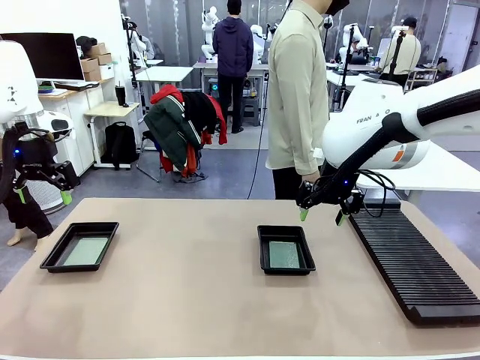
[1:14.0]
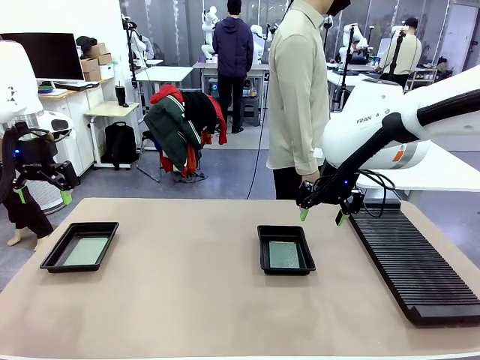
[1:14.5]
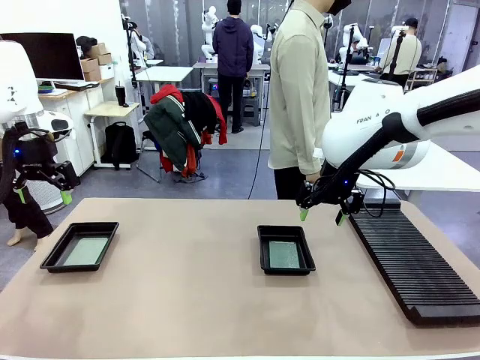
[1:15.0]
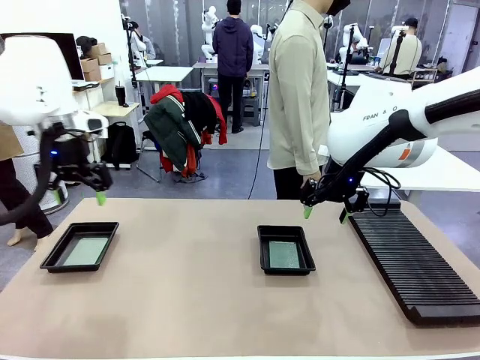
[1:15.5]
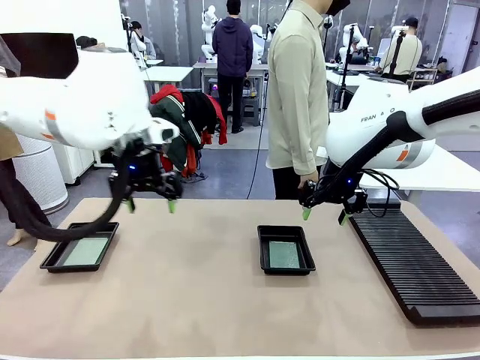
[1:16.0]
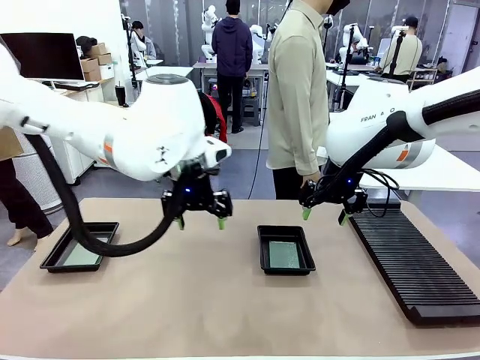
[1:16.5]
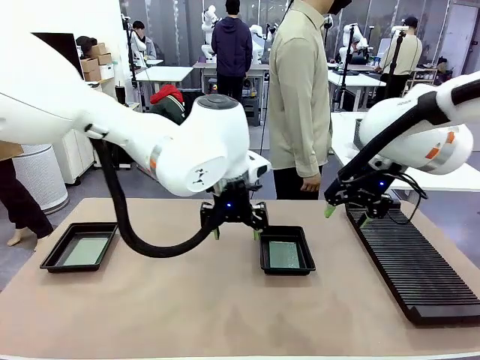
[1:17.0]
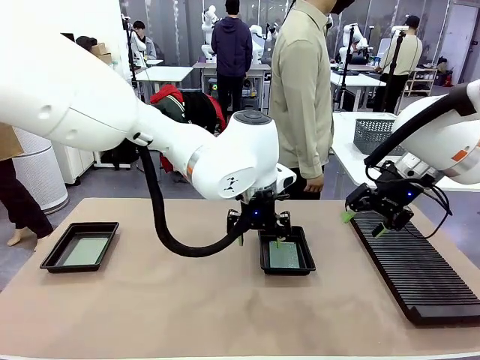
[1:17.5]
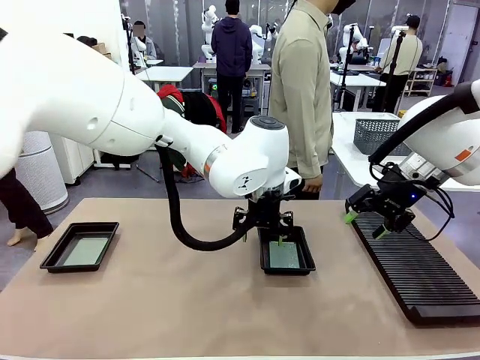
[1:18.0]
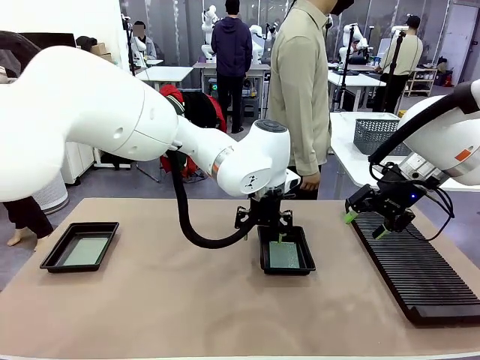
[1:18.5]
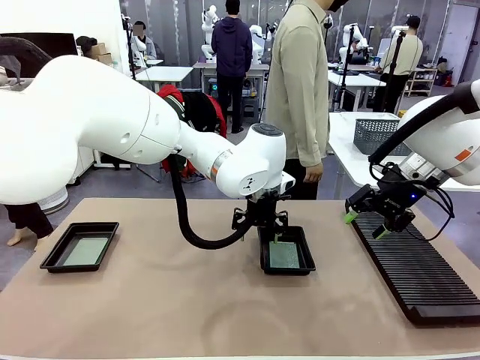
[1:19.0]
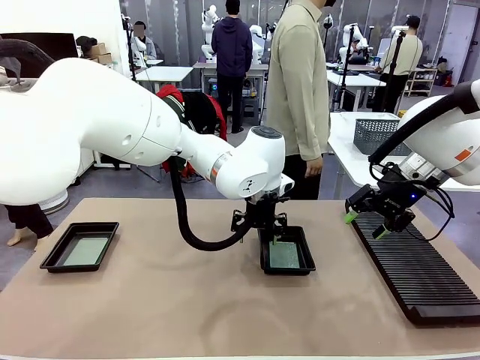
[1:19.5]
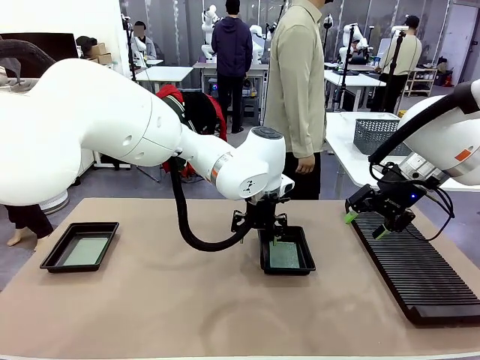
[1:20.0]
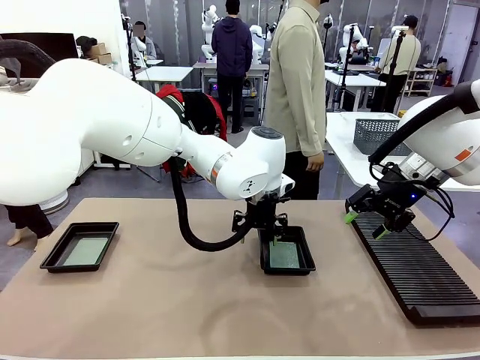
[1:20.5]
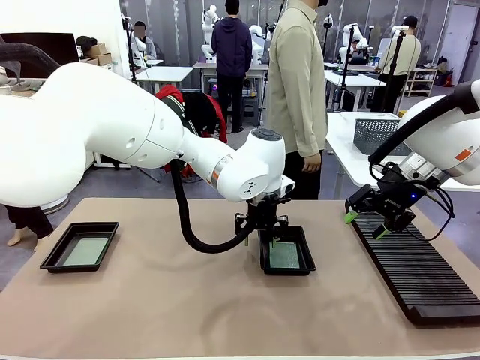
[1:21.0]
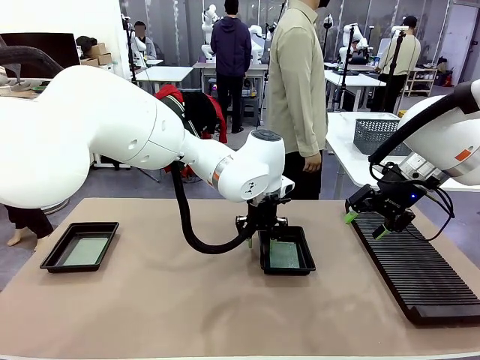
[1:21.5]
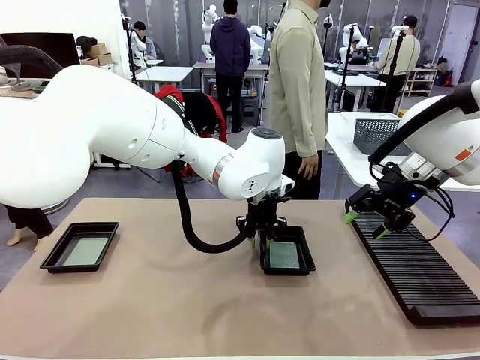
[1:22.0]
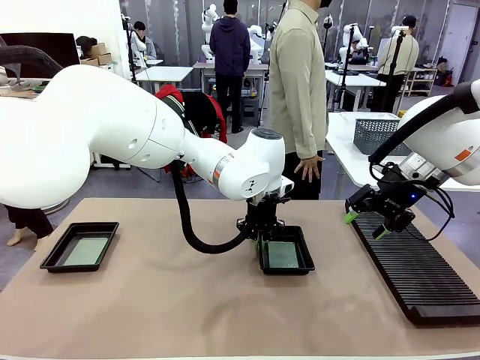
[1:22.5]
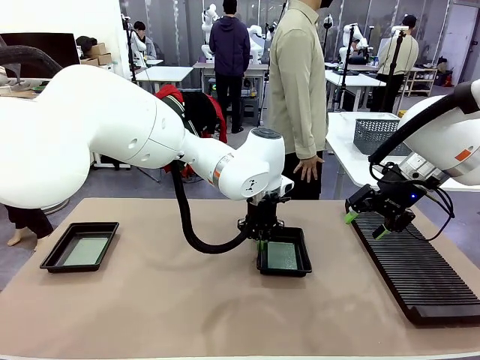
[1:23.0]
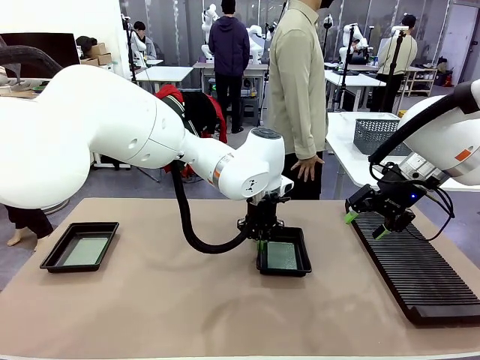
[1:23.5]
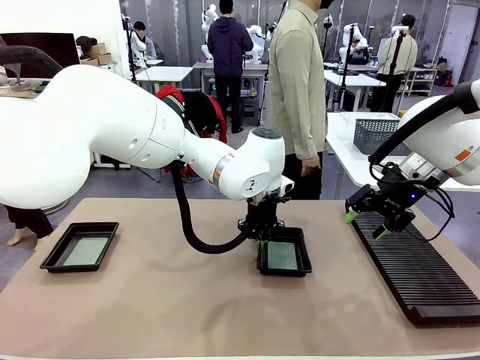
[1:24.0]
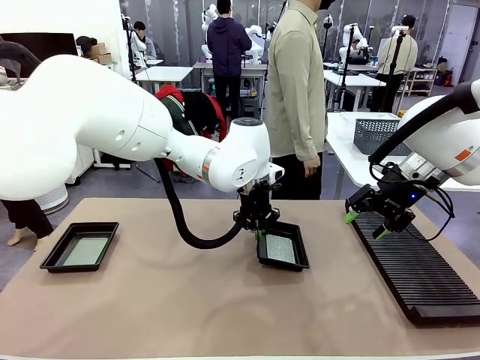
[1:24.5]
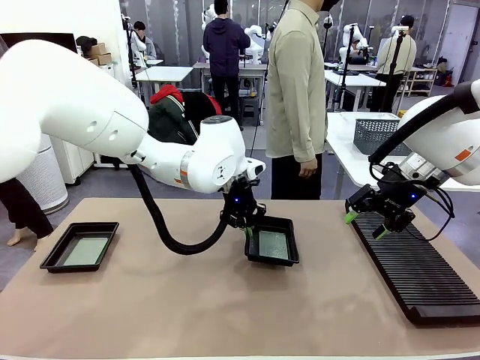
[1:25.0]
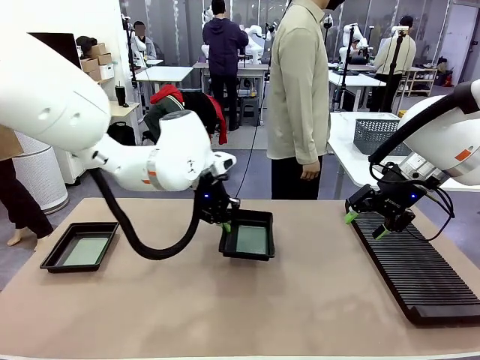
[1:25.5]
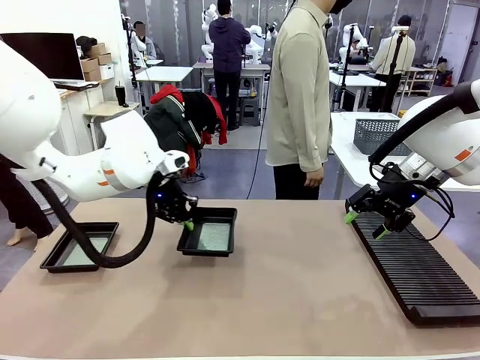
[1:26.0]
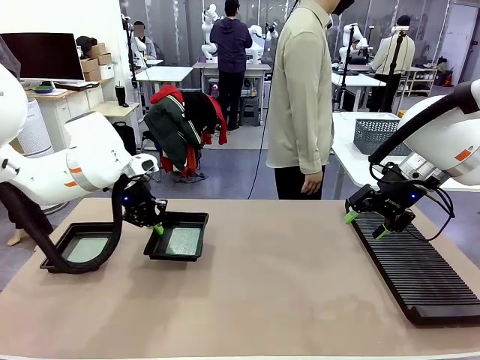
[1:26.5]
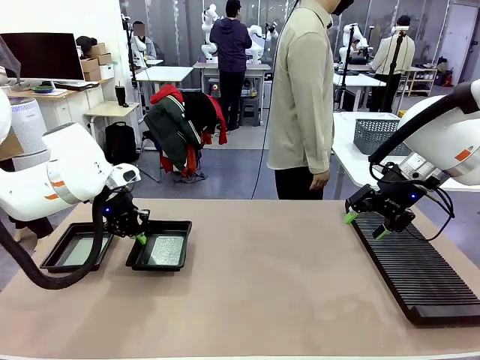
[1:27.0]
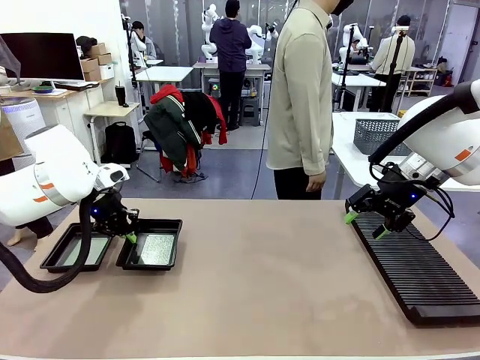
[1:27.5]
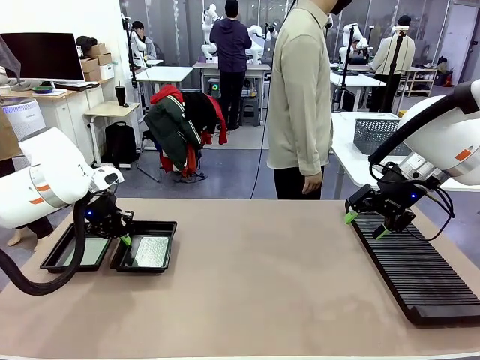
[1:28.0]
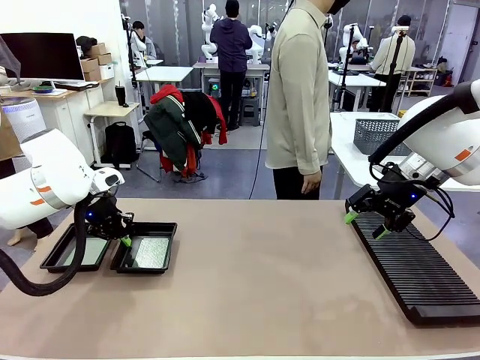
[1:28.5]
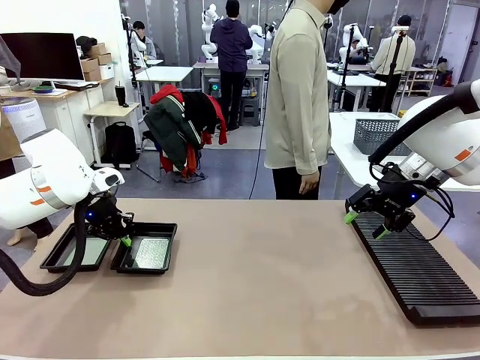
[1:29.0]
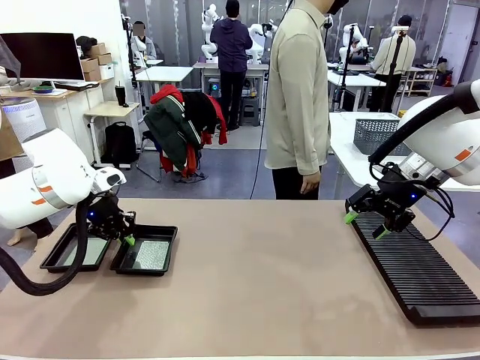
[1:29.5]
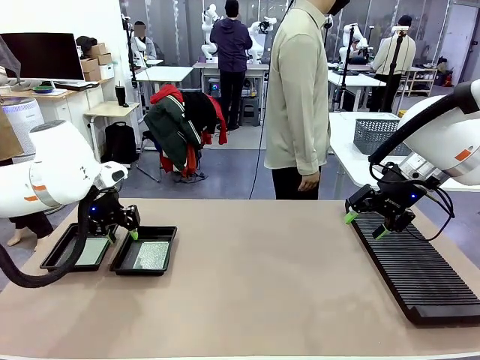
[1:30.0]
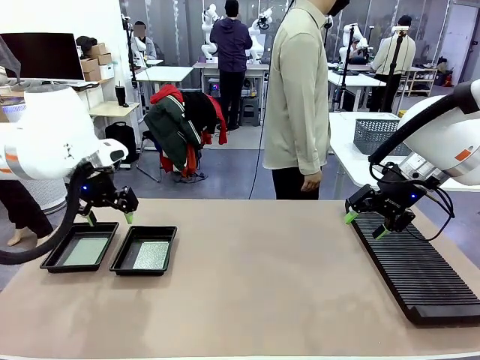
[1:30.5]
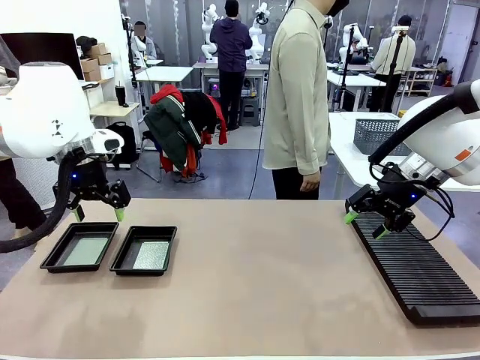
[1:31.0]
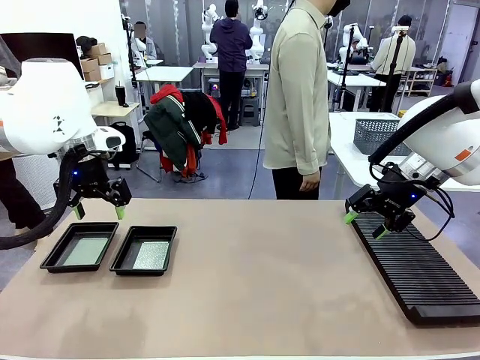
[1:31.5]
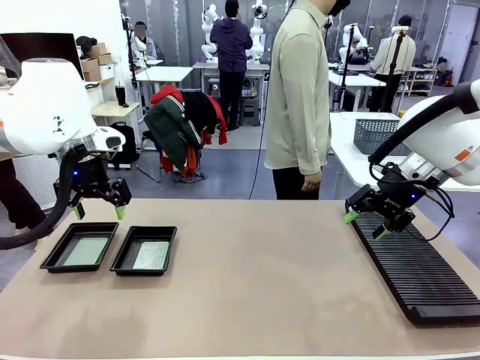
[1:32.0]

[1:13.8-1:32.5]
Task: Inspect and transfer BCBs to ESD trays.
Robot: Pick up the ESD tray and place it on the left side of the table.
